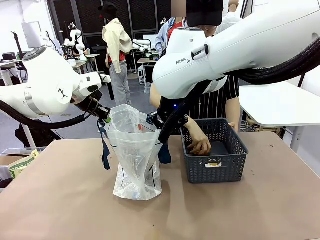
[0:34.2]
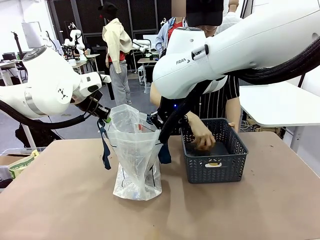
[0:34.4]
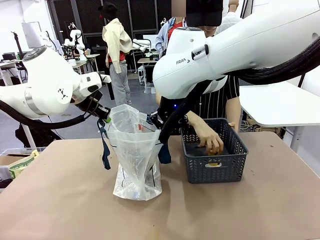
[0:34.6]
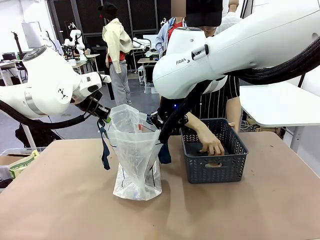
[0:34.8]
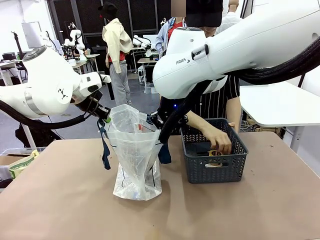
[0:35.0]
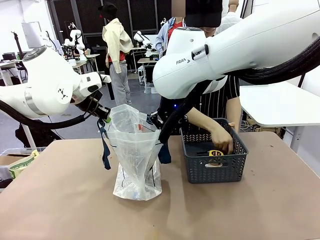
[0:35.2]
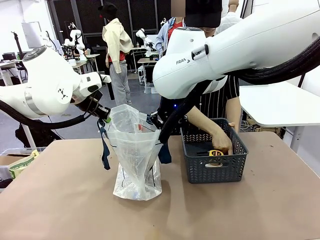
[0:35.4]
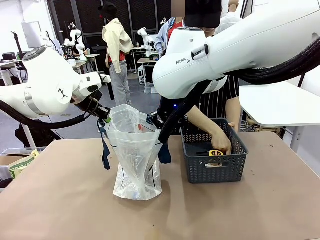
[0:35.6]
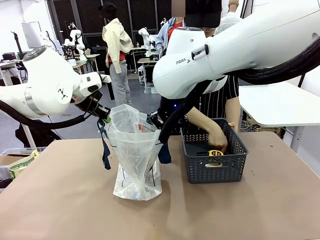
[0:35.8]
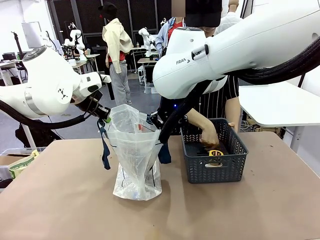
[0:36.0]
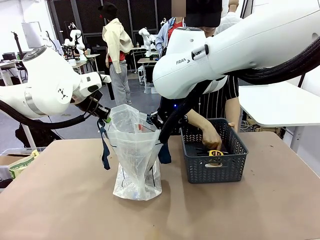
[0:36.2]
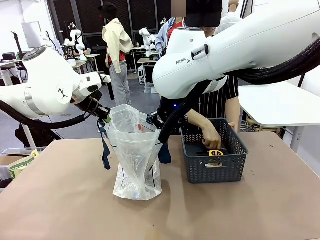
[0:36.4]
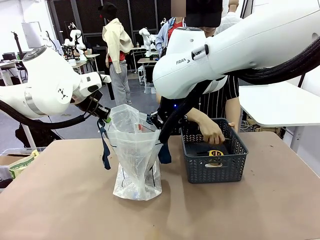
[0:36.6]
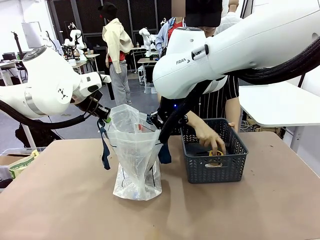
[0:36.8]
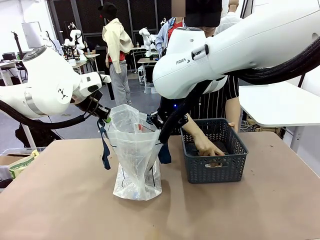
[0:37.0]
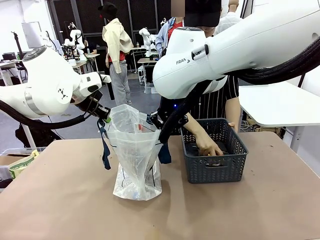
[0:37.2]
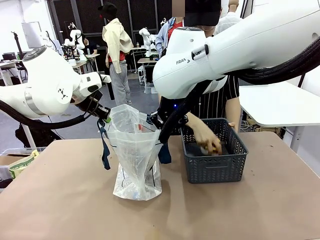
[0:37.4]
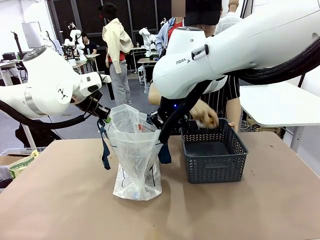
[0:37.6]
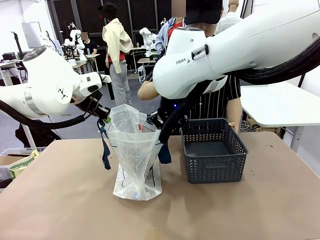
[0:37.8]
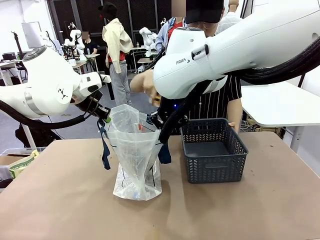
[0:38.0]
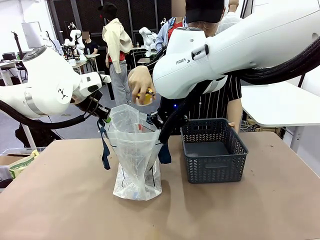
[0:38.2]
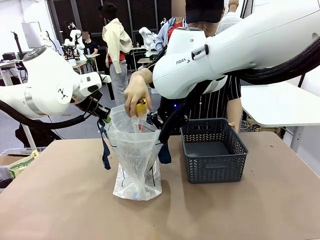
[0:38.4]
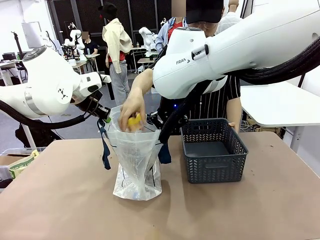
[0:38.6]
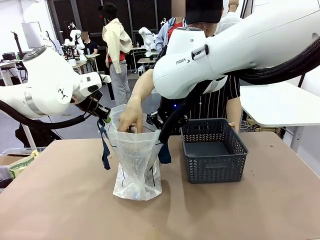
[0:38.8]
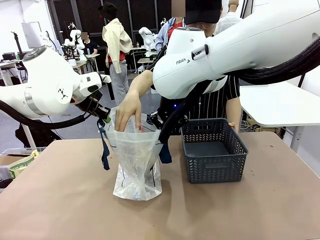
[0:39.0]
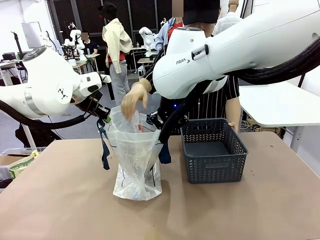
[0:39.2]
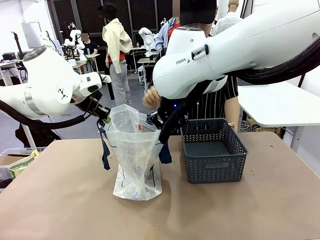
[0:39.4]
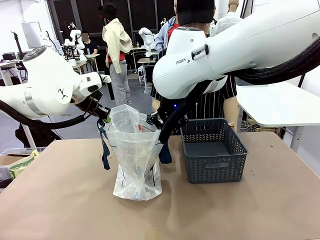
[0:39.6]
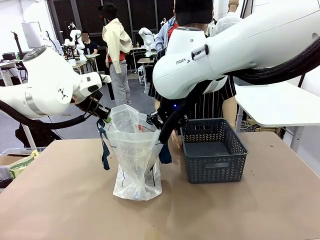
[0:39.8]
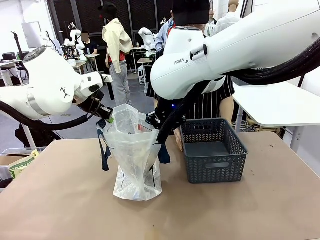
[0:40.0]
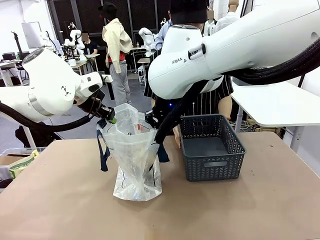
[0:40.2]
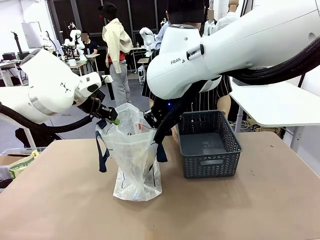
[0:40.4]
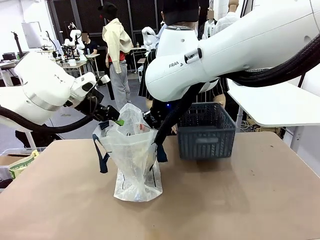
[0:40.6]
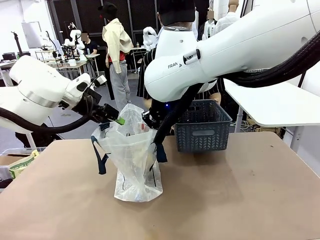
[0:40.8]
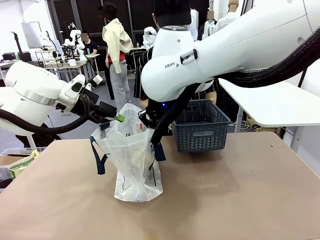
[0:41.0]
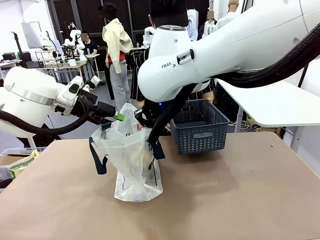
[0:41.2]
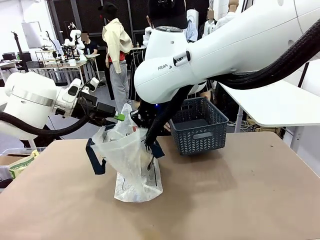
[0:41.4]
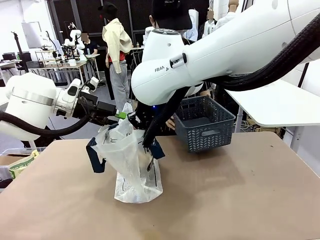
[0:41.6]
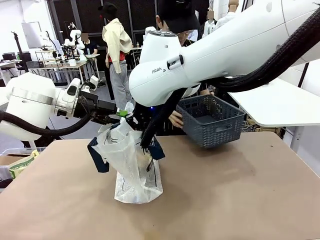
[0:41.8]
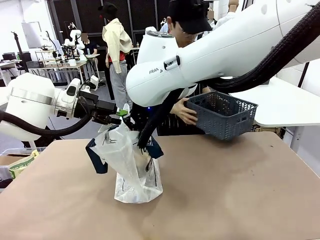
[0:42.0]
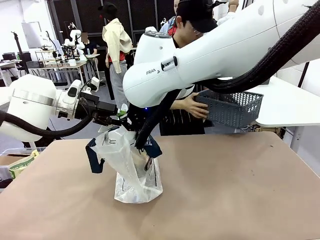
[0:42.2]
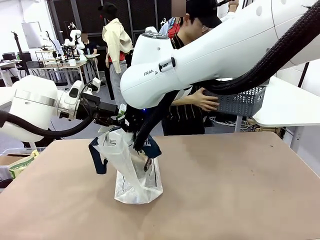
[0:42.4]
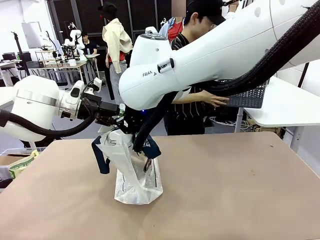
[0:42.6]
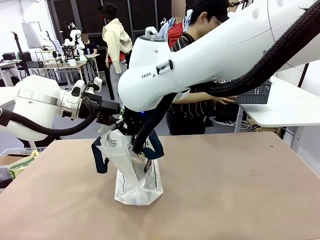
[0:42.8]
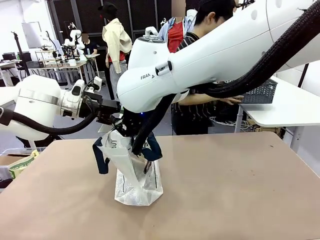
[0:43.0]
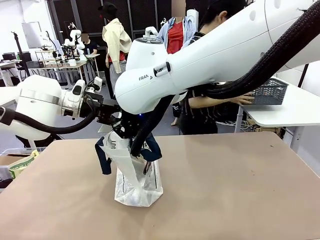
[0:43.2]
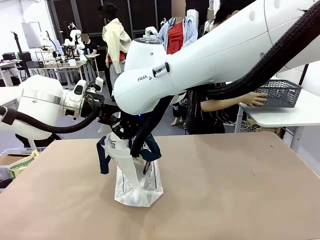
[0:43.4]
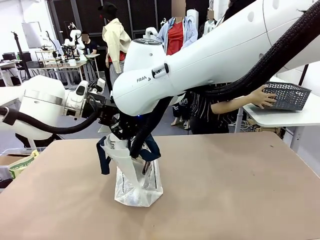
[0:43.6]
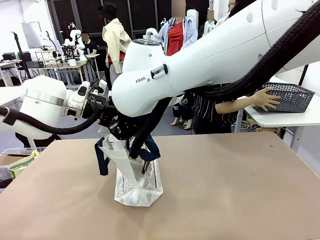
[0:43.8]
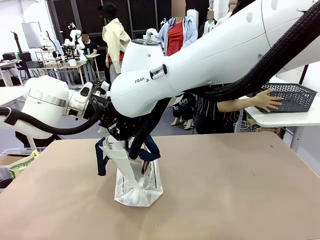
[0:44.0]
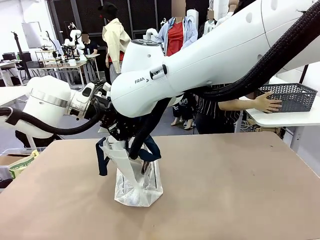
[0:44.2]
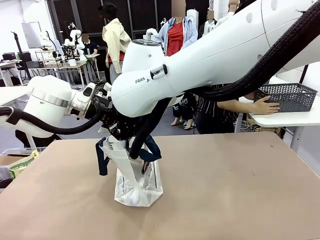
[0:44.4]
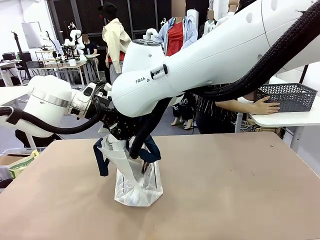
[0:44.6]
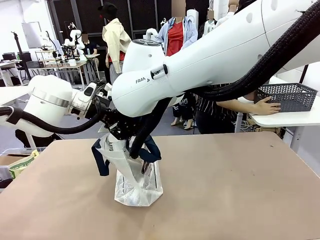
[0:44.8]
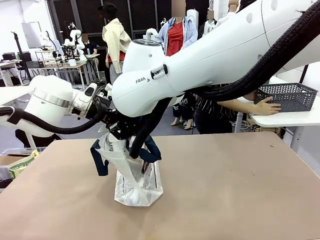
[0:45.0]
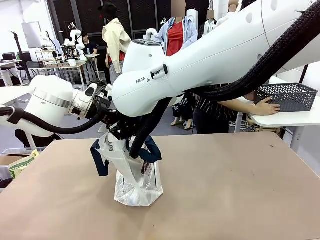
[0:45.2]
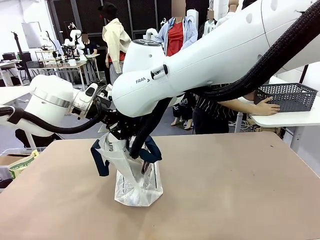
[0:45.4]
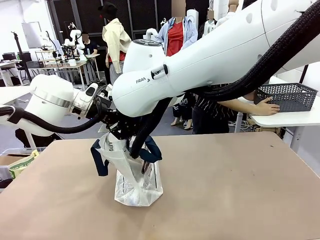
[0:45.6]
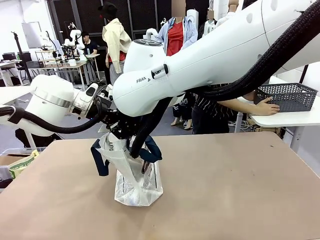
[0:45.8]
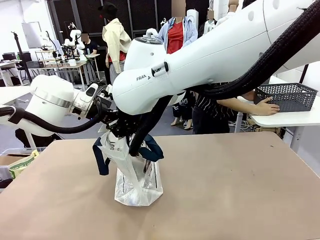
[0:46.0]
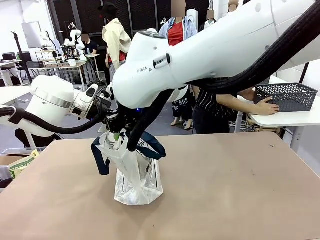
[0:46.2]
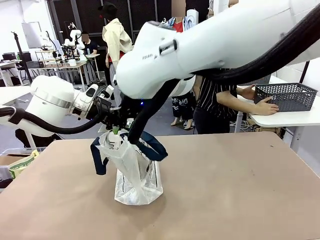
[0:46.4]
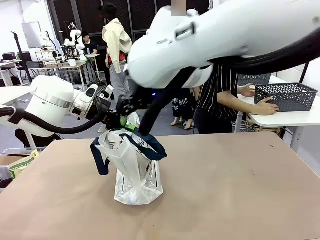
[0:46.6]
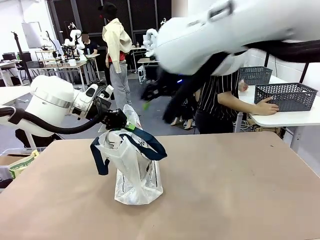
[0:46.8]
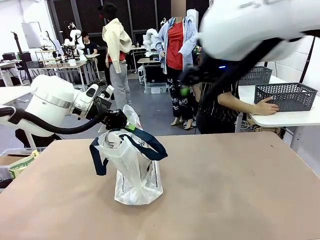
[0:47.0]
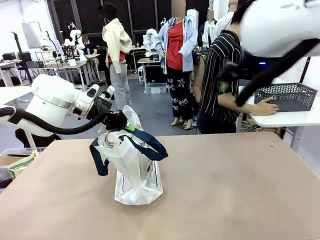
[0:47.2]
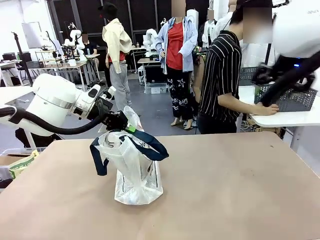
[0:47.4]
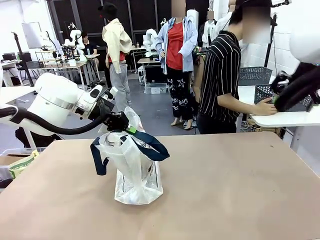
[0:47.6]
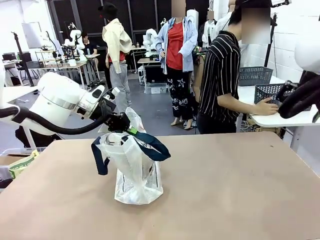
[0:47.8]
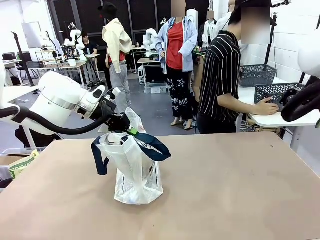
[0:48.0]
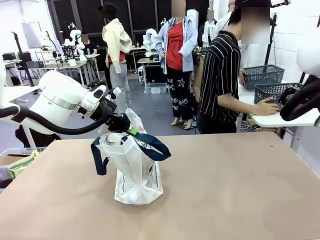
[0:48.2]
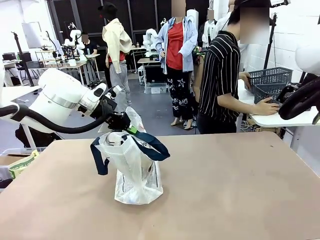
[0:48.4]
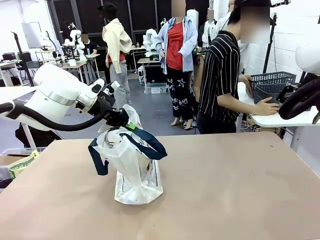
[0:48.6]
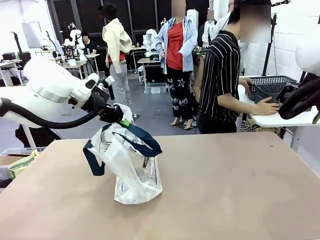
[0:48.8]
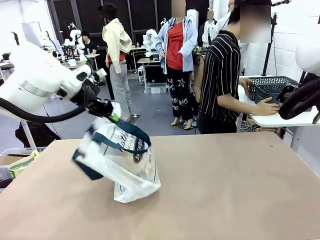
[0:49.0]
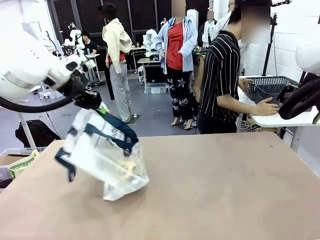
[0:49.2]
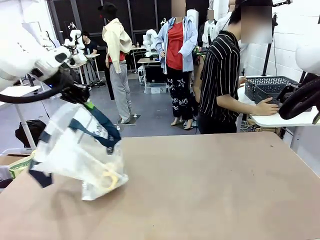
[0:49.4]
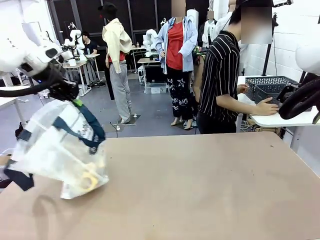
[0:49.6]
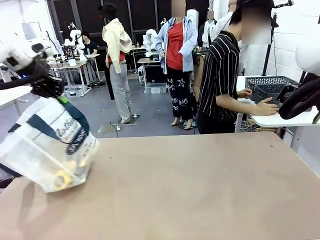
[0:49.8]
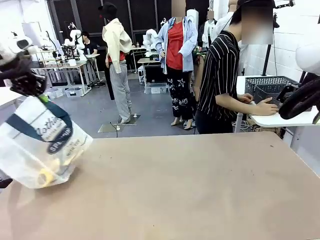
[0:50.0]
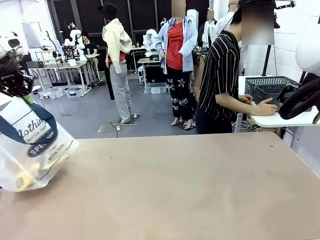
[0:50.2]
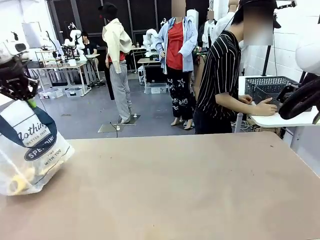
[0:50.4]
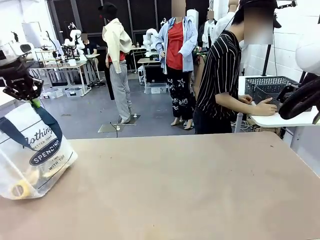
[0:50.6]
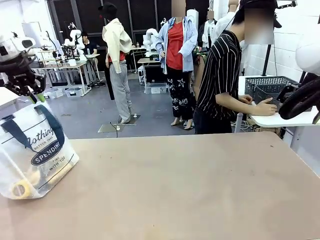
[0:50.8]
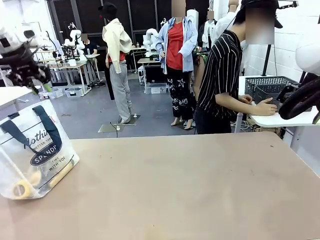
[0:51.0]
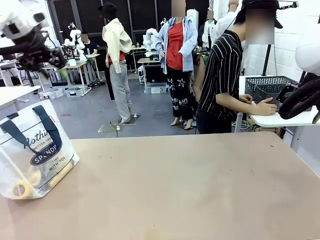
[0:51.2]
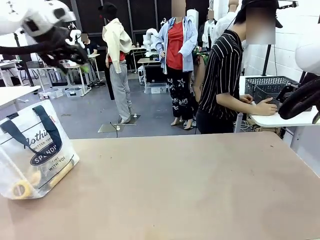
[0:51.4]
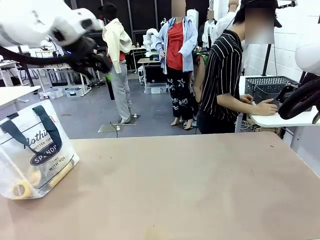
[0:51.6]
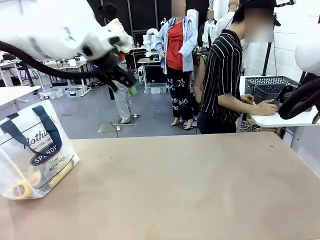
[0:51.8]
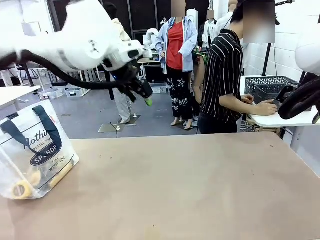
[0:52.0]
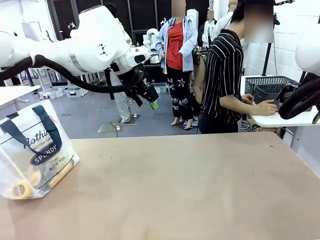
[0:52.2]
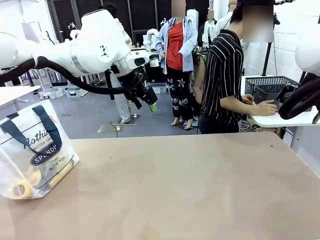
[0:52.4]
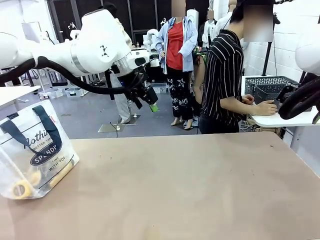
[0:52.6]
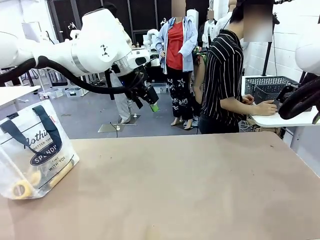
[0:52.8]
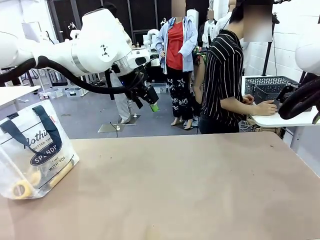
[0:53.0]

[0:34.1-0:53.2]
Task: Transfer purchased items from the store into the shopping bag.
Robot: Move the Reusable shopping bag to the right side of the table.
Person: Move the basket on the left to the middle of the person's table.
